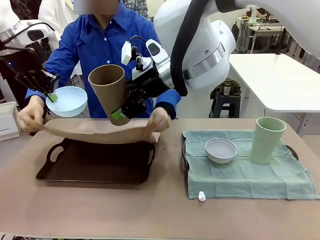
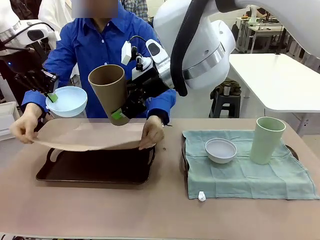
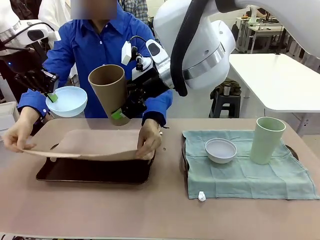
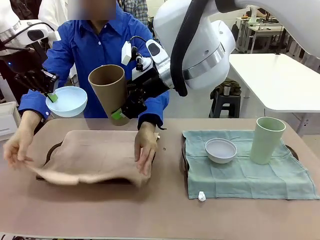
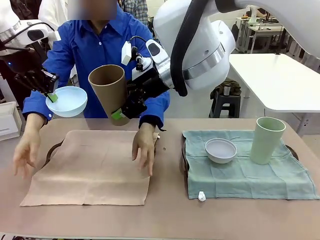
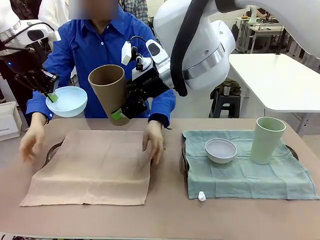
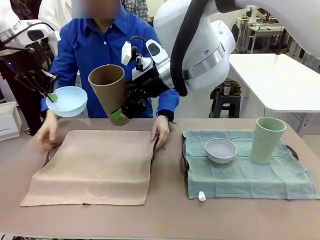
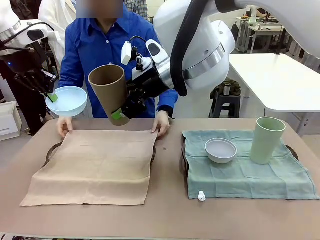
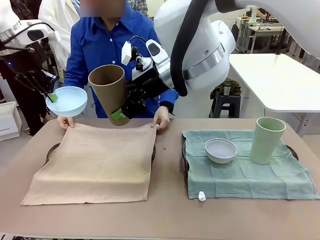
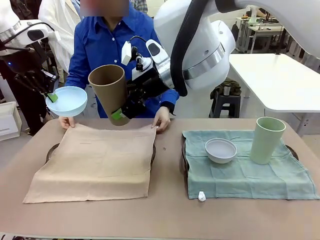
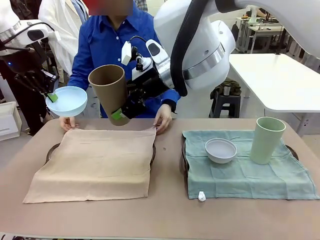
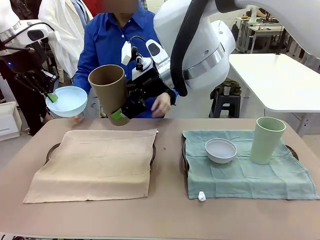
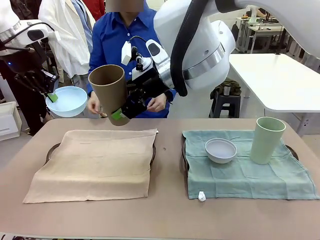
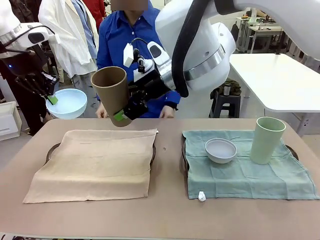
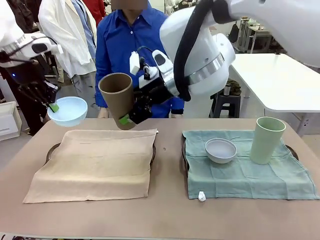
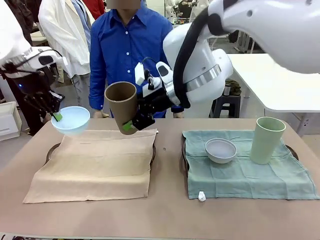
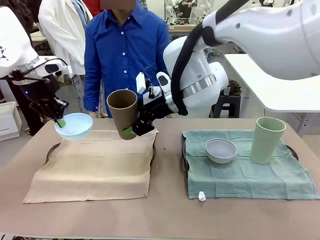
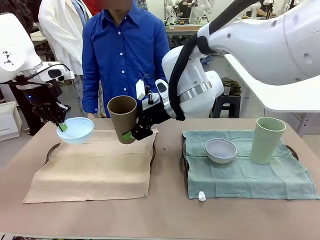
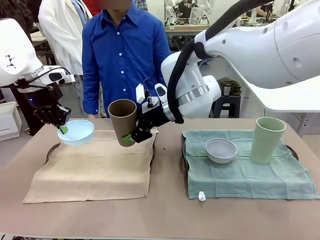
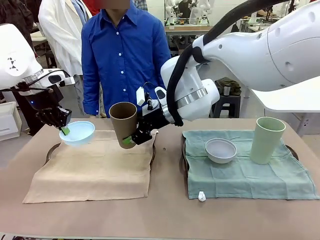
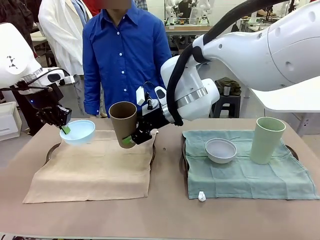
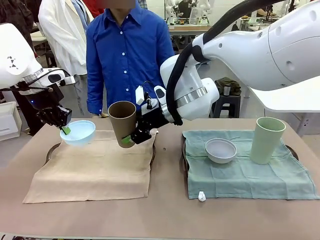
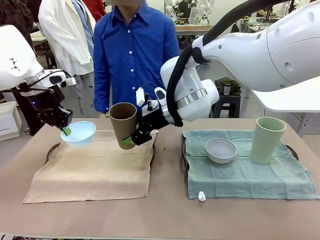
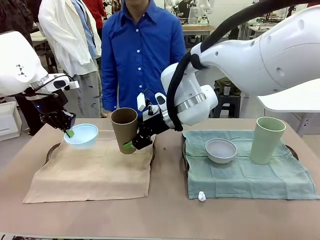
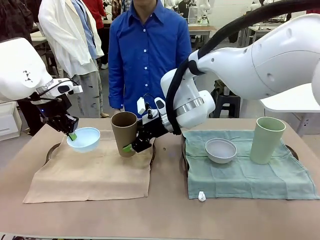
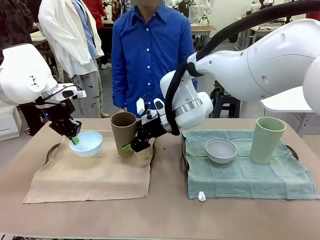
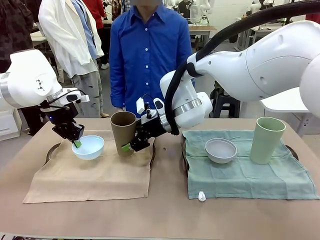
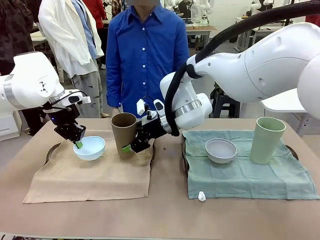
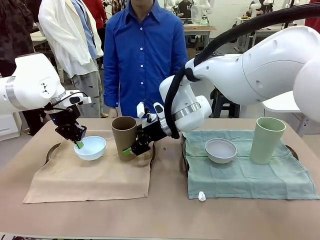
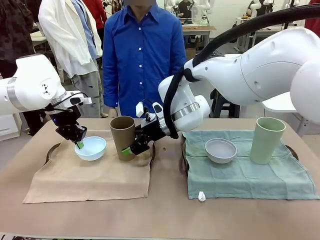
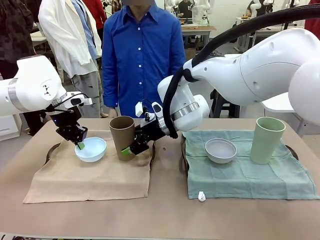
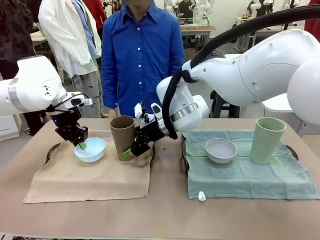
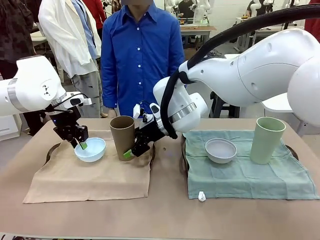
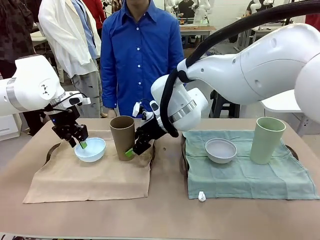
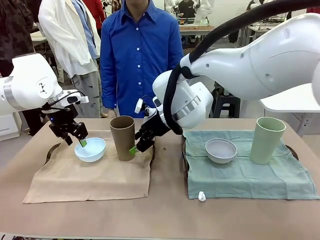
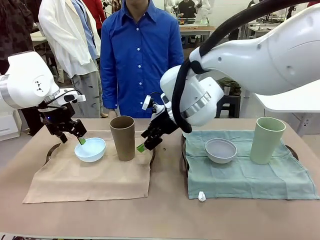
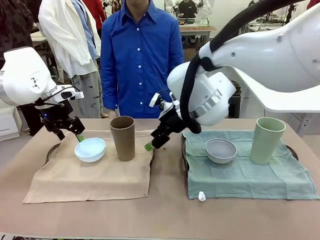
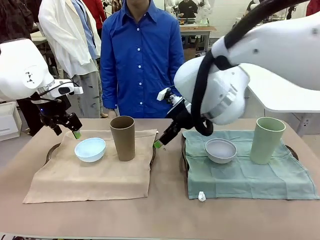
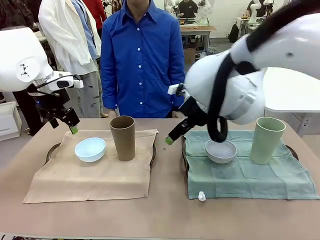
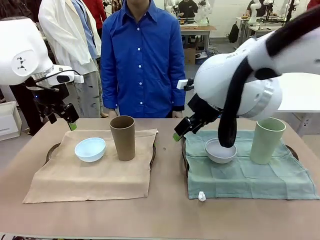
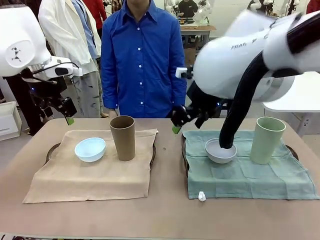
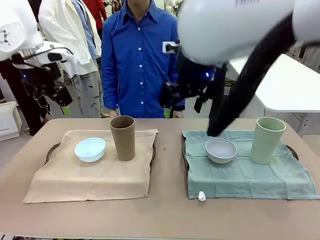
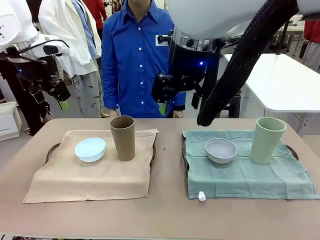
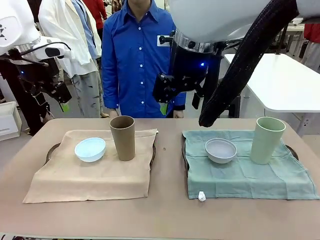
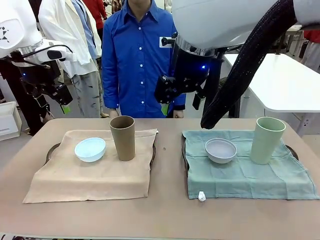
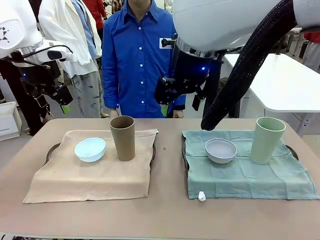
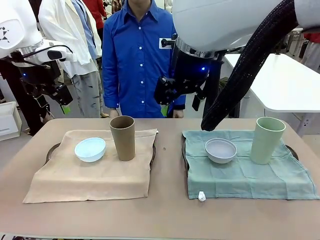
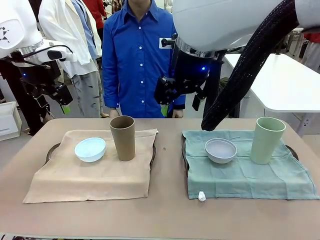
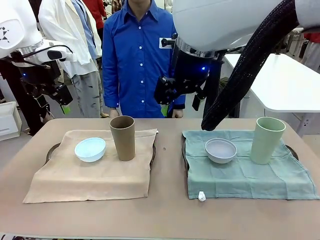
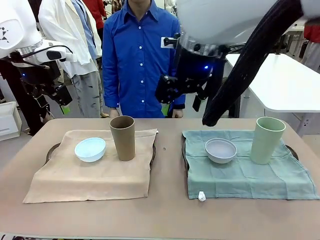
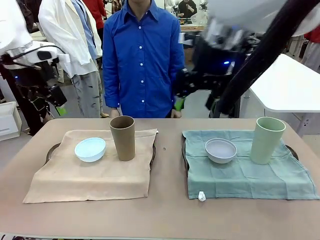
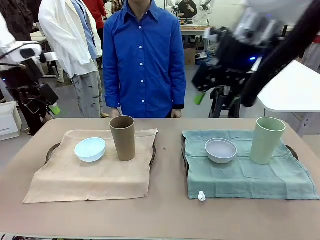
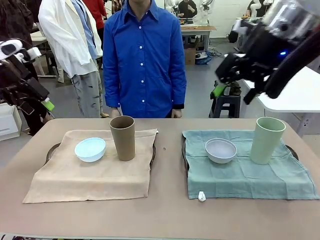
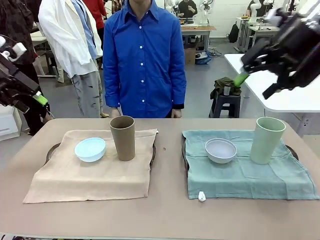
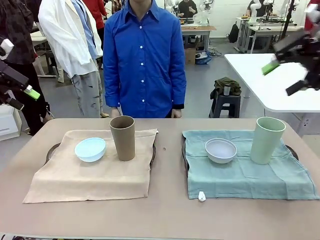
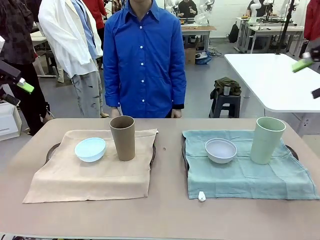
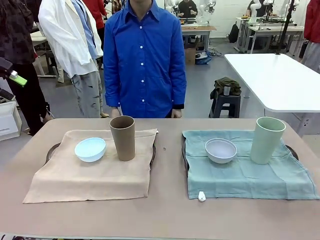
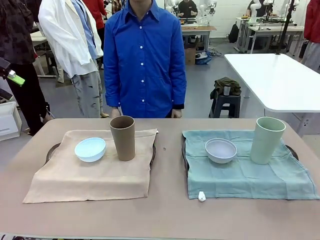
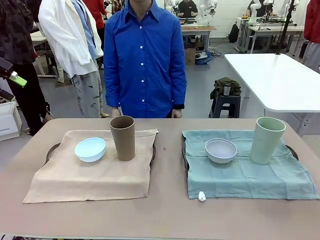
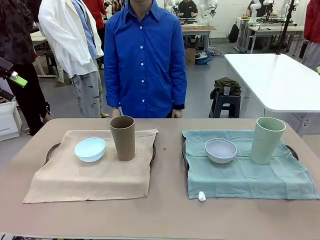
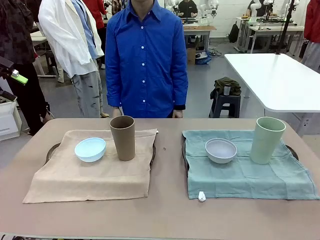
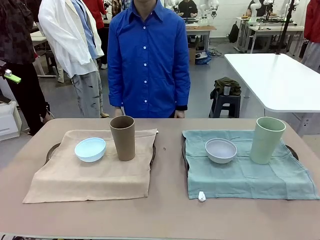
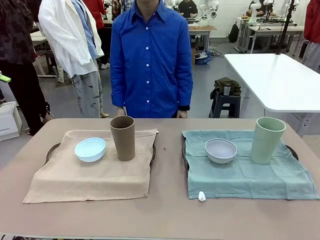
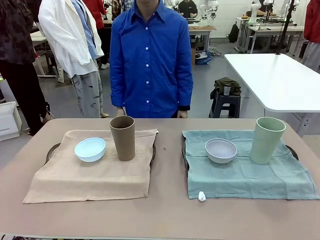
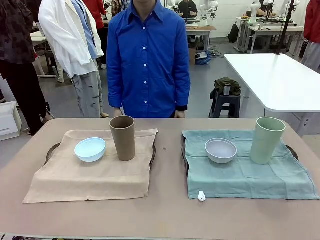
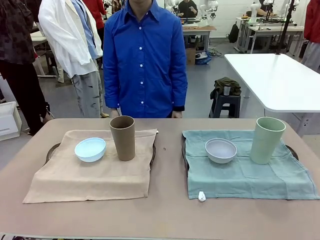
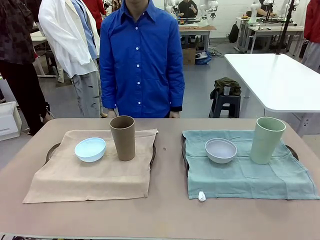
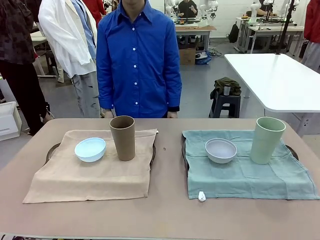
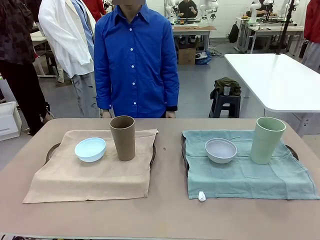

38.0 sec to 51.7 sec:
Robot: Place the Picnic Bowl and Reusable plastic cup back onto the Handle tray in front of the human's position.
Person: When the robot lifts the bowl and the cup, the human unfolds the napkin and lays the napkin flat on the tray.
